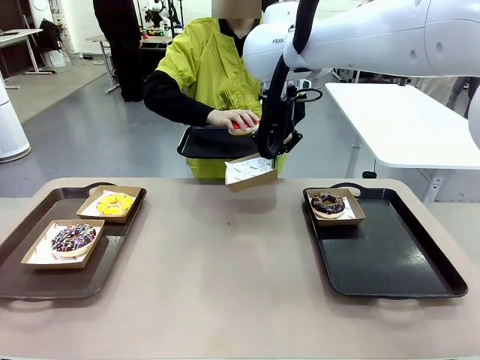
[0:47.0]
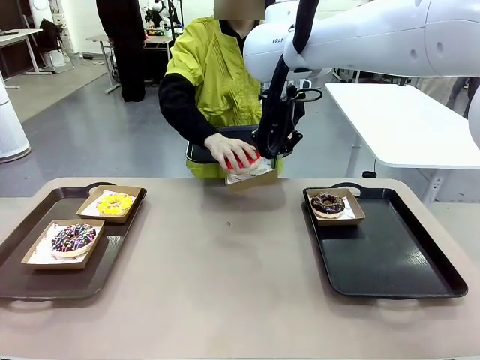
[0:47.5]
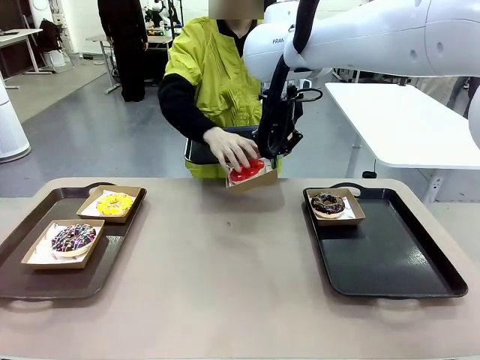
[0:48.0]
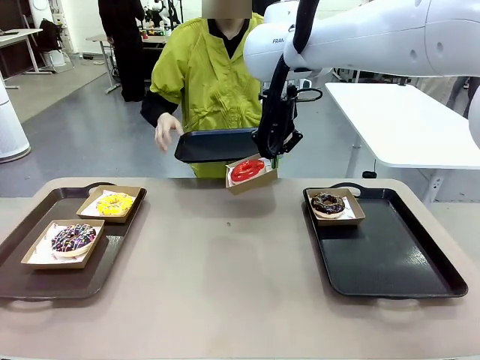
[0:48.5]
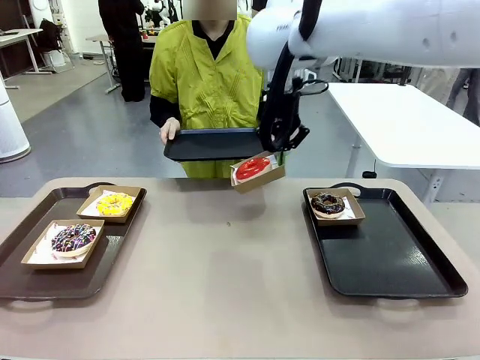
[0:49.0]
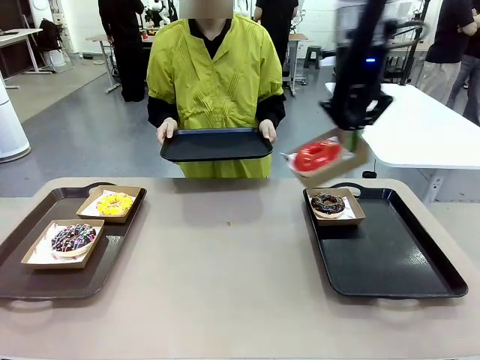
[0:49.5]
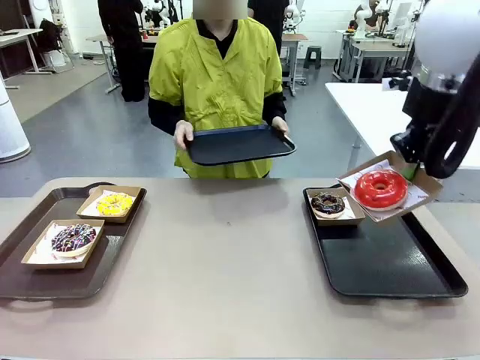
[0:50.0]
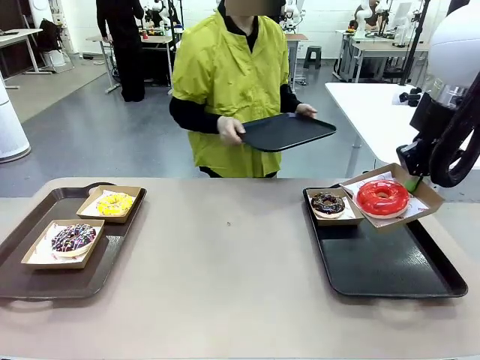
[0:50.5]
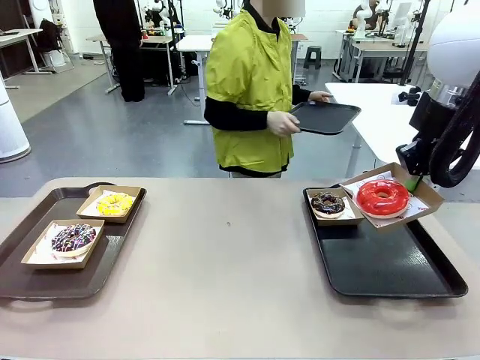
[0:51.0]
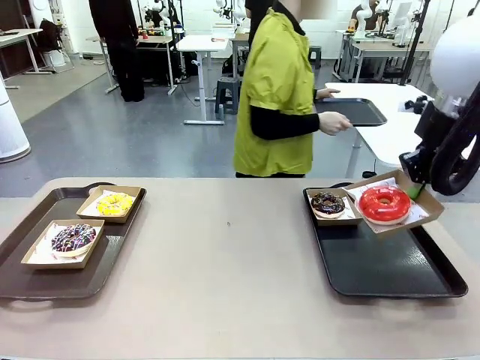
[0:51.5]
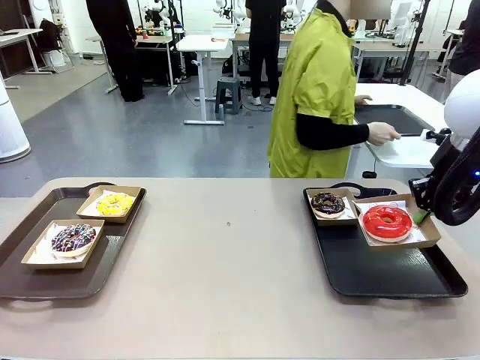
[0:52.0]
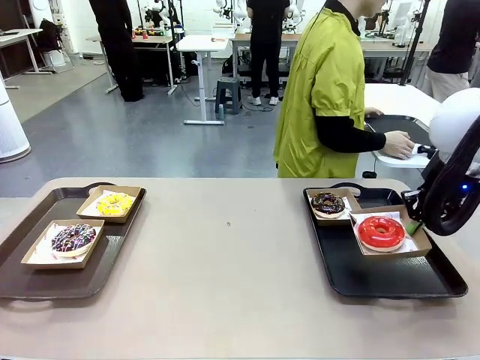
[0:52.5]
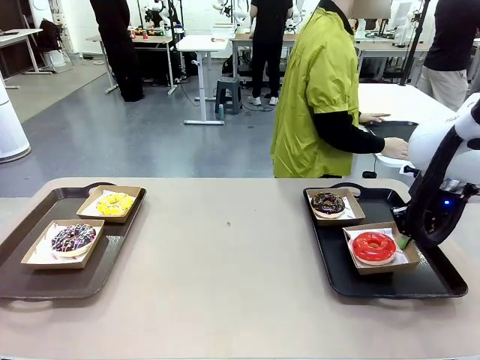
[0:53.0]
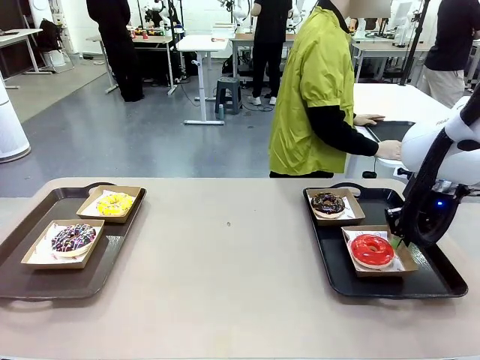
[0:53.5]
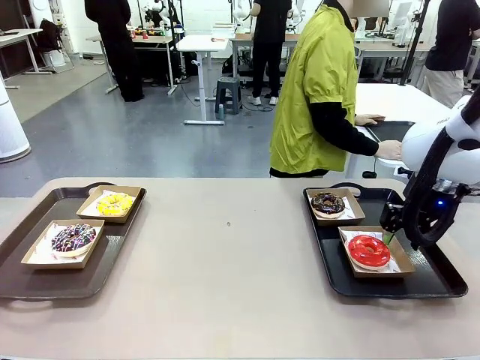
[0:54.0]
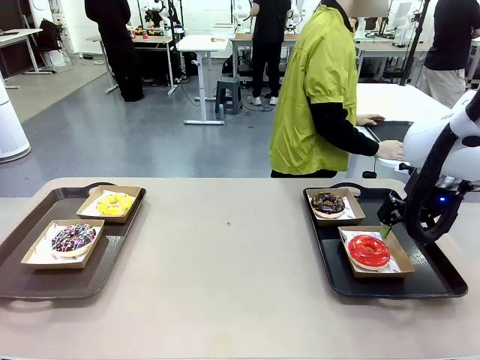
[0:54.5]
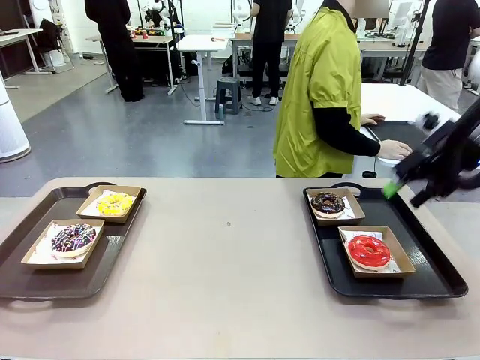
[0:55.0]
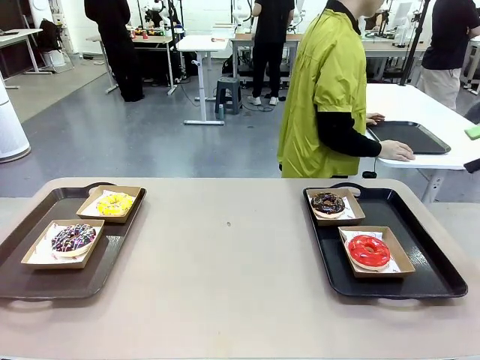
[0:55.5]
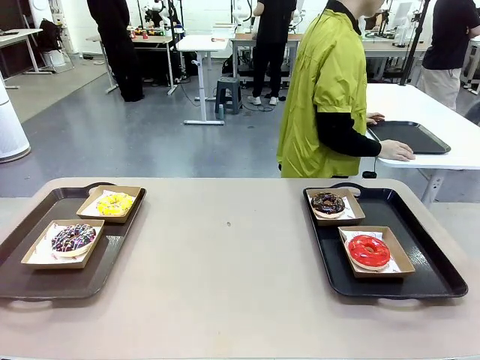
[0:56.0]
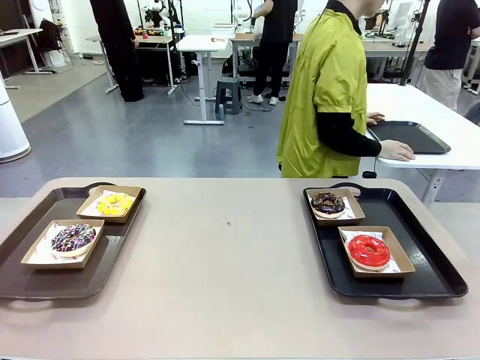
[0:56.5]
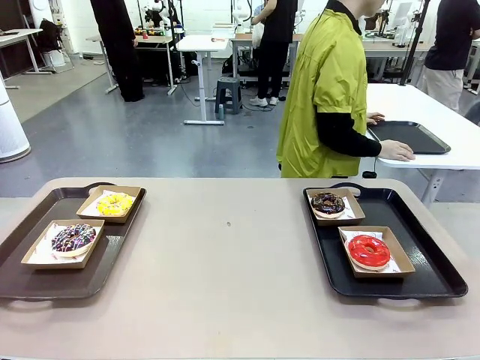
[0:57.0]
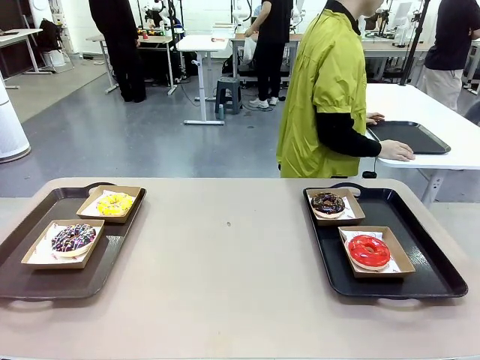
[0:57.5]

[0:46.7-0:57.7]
Task: Individually package the donuts and arrange them on the tray.
Robot: Place the picked Paper togo box on the Handle tray.
Person: Place the tray down in the middle of the human table.

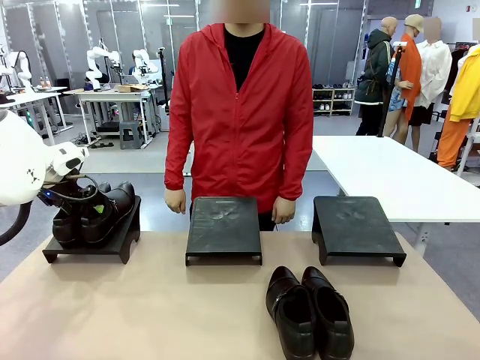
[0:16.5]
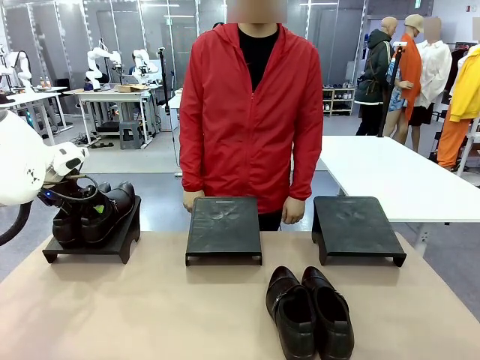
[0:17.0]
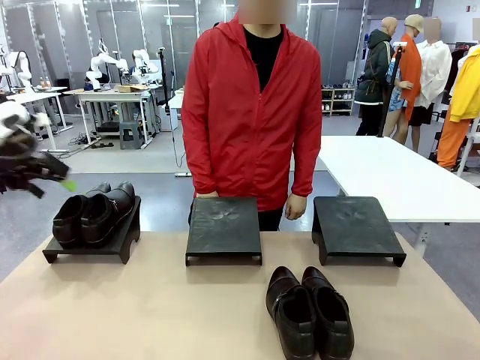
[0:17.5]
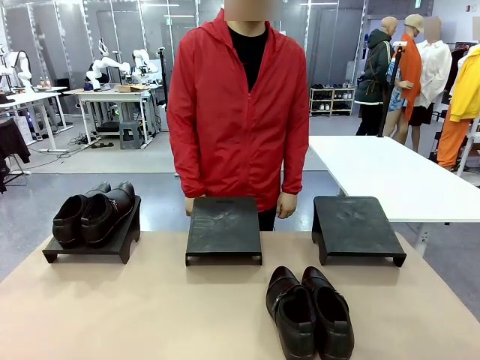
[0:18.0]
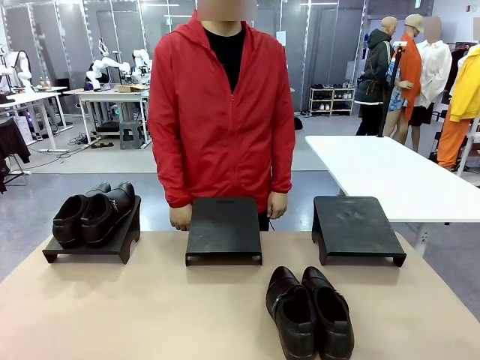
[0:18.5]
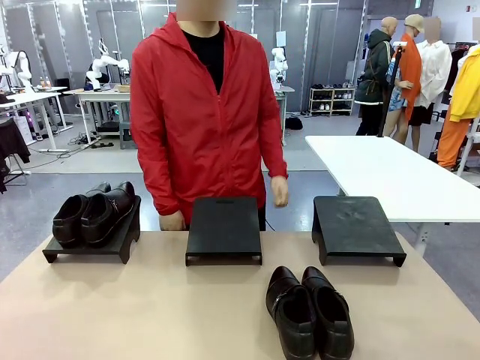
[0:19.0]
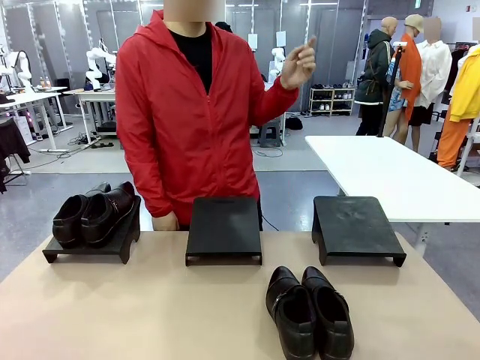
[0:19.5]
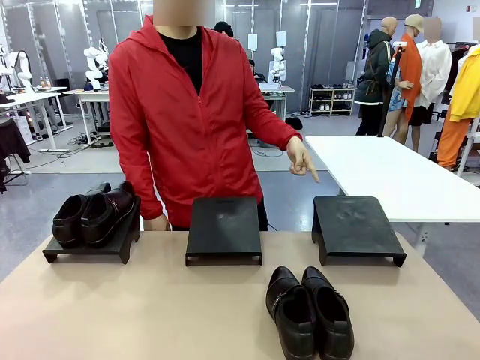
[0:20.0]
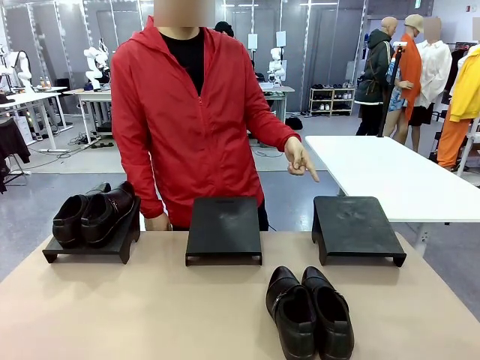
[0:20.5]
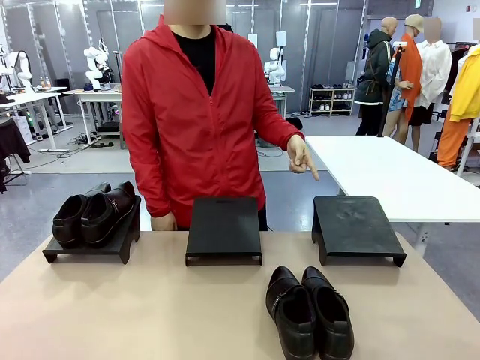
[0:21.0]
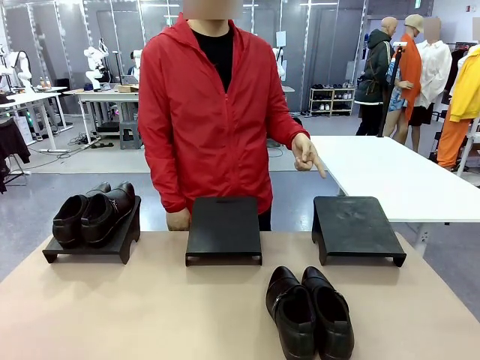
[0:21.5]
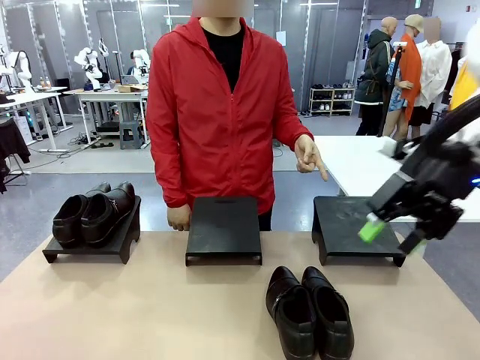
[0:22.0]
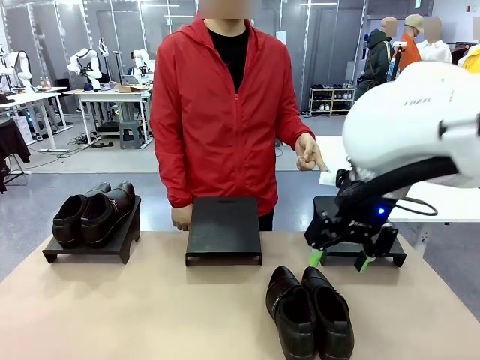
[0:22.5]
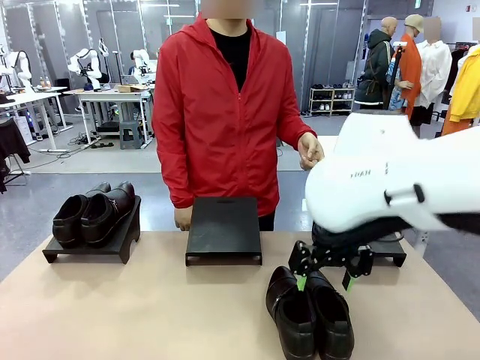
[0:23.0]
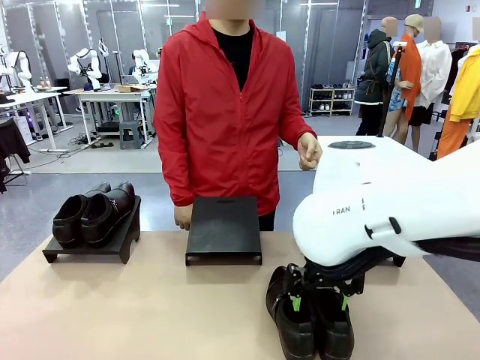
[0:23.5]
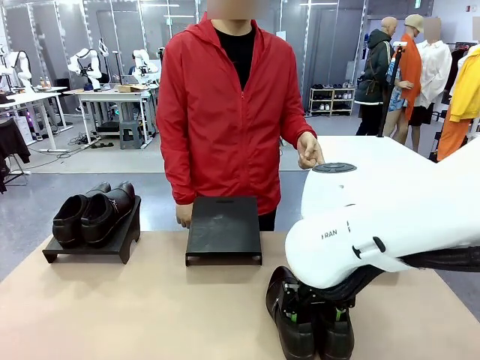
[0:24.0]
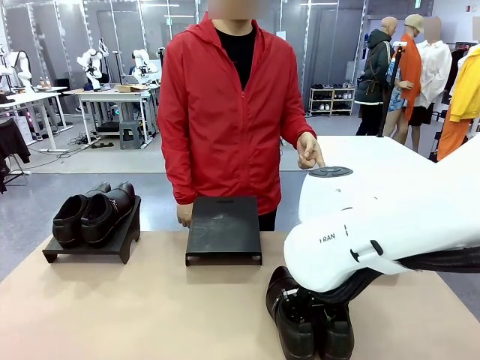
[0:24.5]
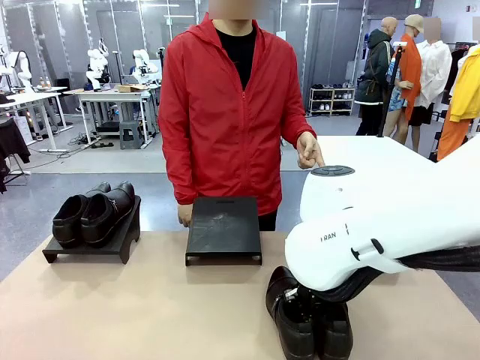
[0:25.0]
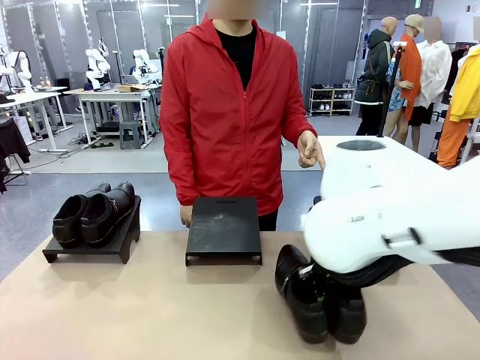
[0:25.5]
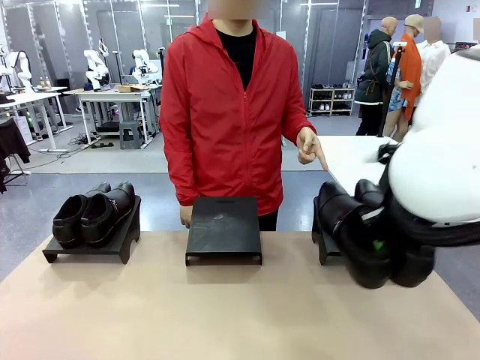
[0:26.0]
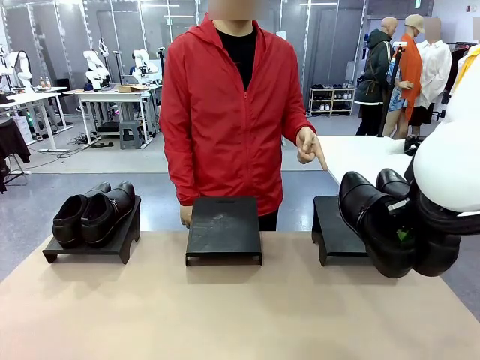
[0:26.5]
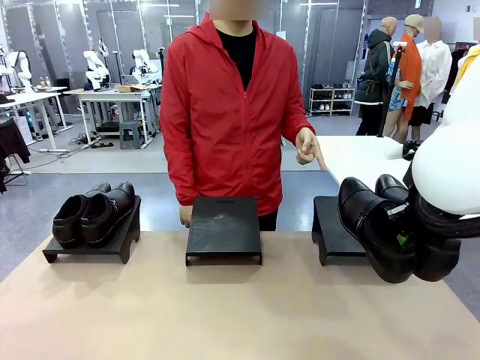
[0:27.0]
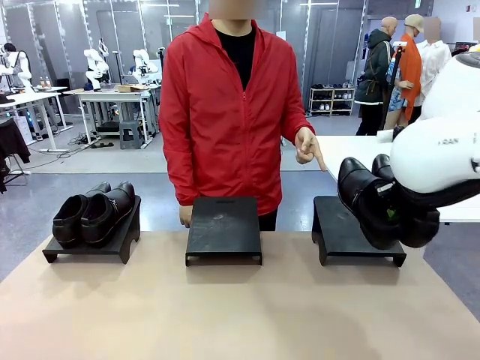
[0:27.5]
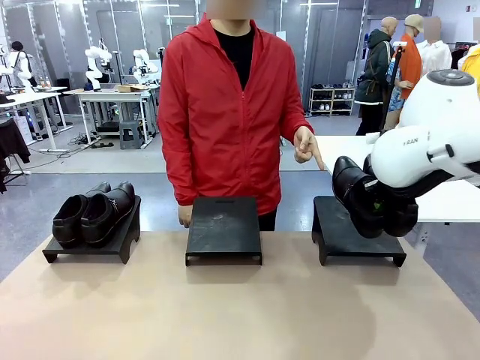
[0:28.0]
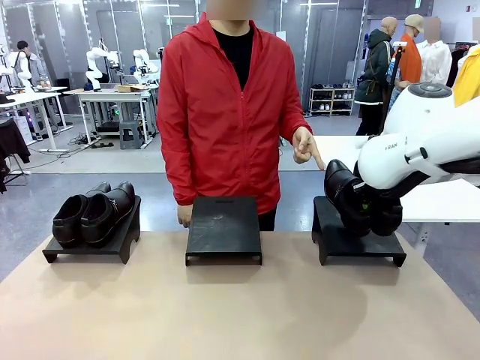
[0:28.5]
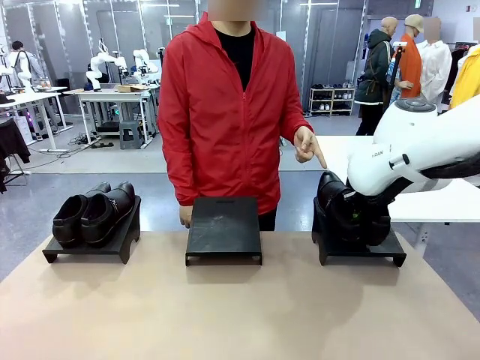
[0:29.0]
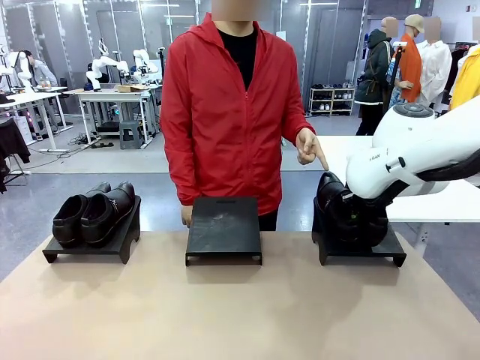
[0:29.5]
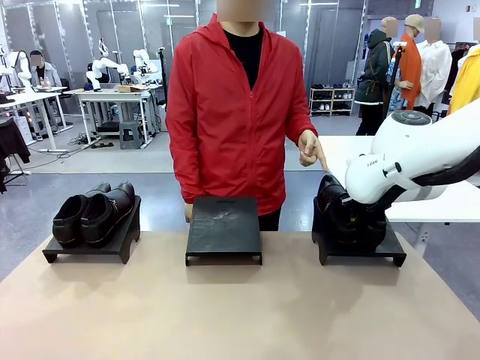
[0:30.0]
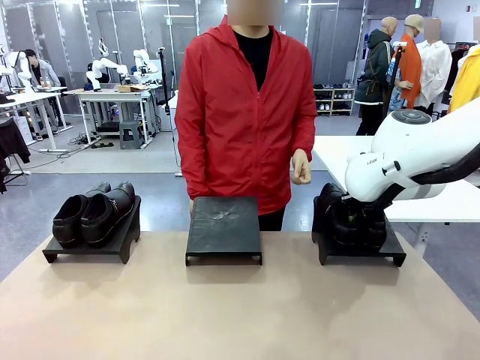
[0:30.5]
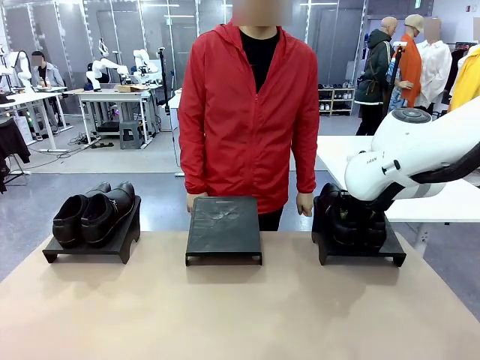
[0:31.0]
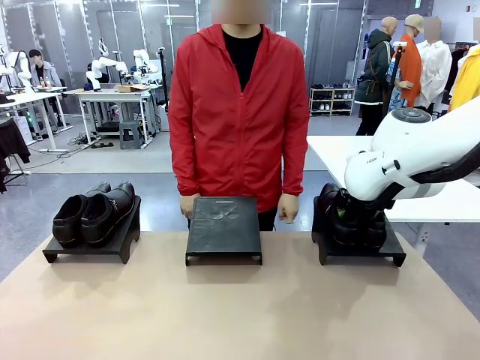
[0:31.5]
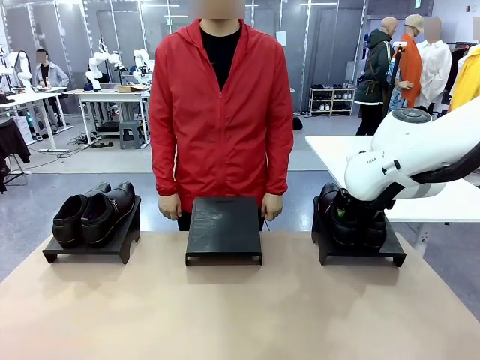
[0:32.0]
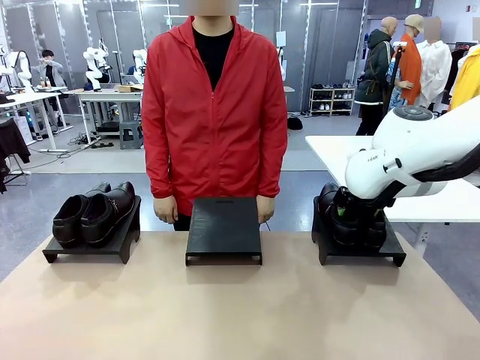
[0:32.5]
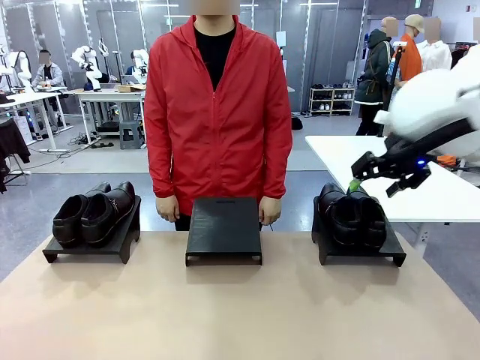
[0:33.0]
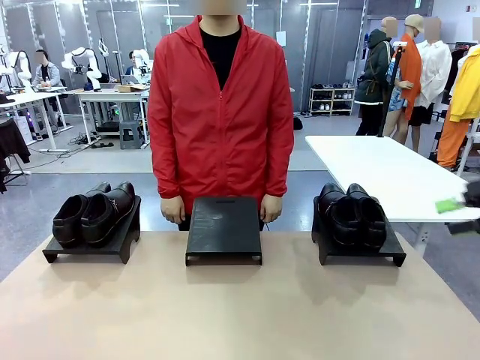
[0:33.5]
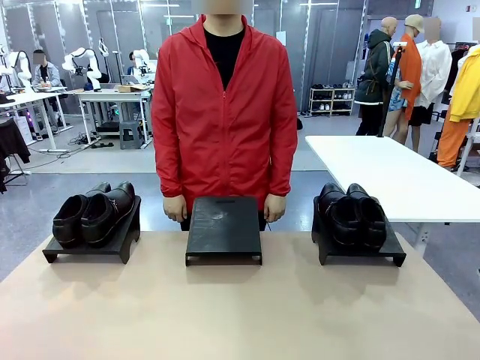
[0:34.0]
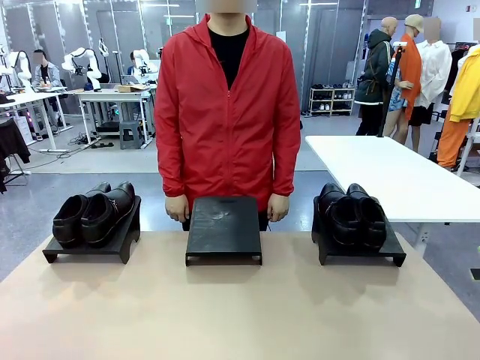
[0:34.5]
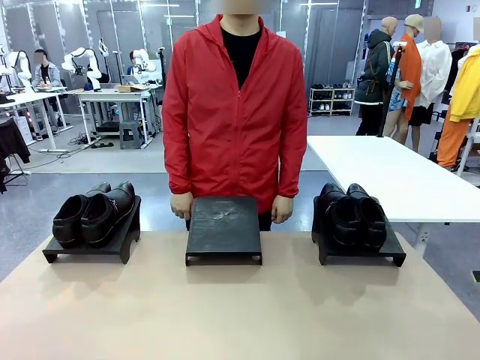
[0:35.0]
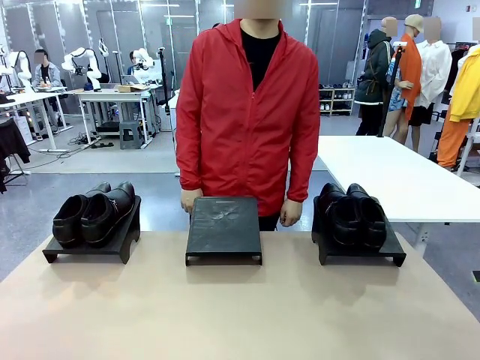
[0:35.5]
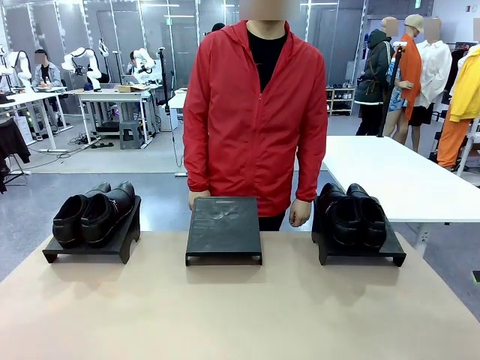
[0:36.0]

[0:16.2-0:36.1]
Task: Place the shoes on the stand as instructed by the person.
Robot: Pick up another pair of Shoes and place it on the Shoes Stand indicated by the person.
Person: Point to one Shoes Stand.
